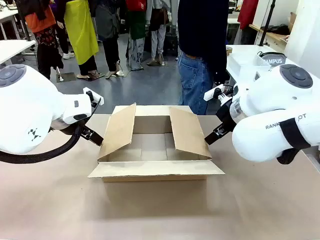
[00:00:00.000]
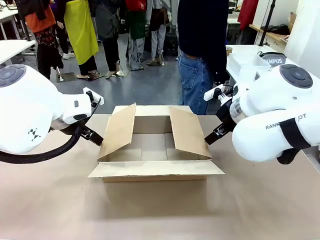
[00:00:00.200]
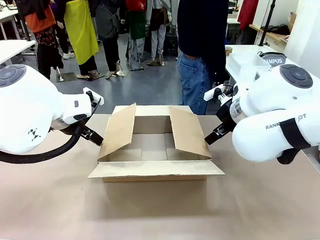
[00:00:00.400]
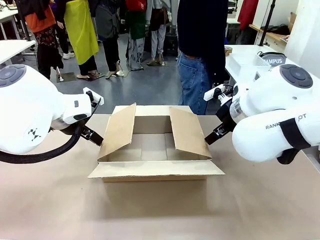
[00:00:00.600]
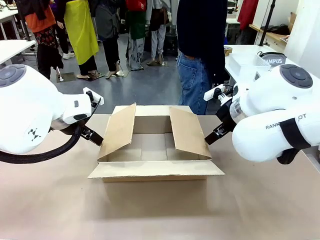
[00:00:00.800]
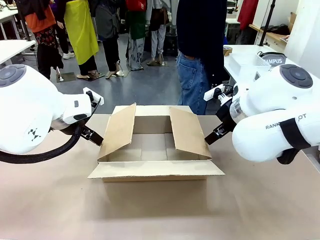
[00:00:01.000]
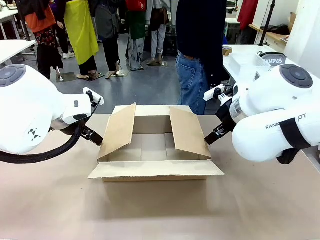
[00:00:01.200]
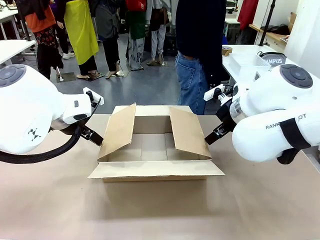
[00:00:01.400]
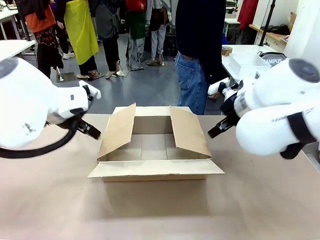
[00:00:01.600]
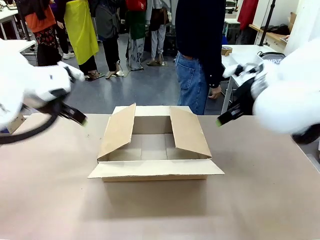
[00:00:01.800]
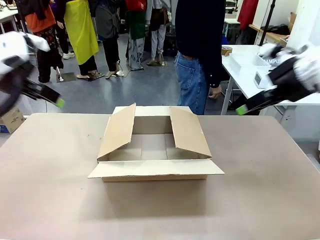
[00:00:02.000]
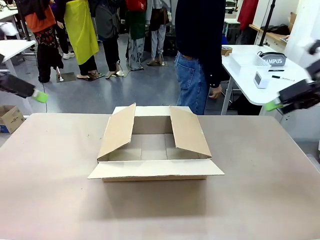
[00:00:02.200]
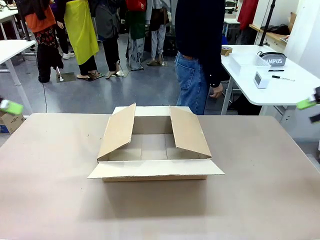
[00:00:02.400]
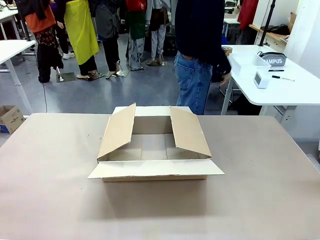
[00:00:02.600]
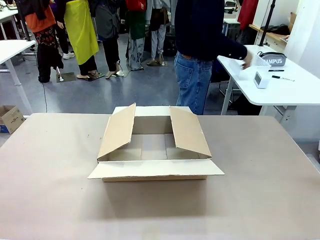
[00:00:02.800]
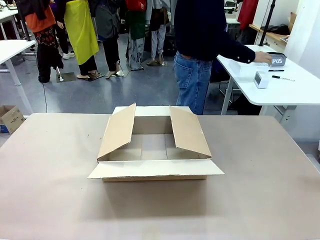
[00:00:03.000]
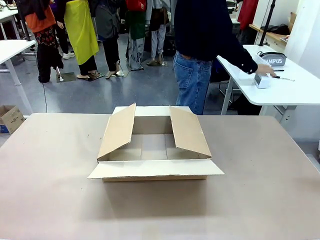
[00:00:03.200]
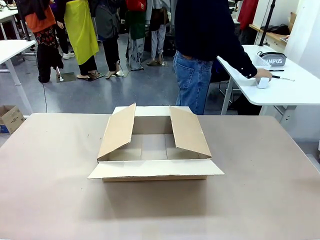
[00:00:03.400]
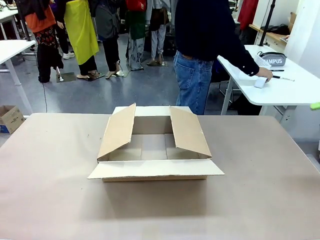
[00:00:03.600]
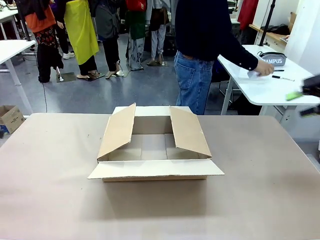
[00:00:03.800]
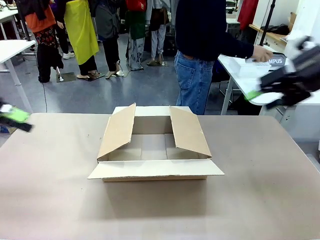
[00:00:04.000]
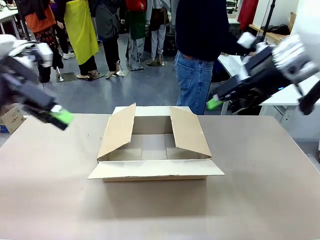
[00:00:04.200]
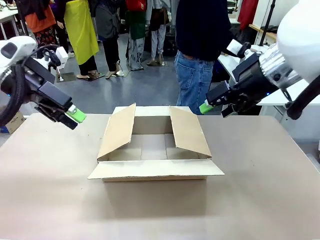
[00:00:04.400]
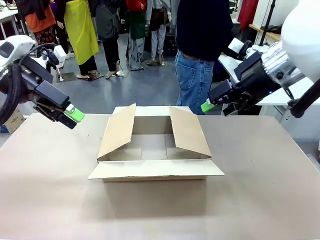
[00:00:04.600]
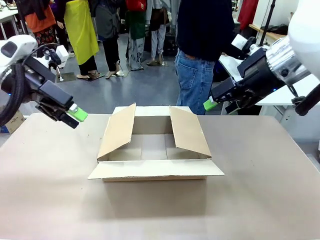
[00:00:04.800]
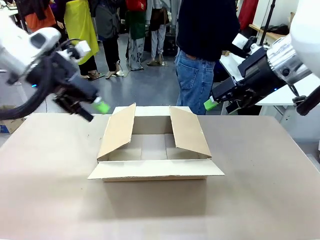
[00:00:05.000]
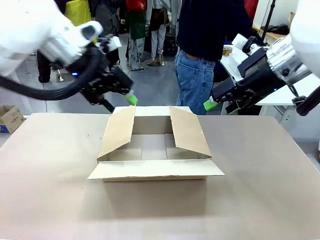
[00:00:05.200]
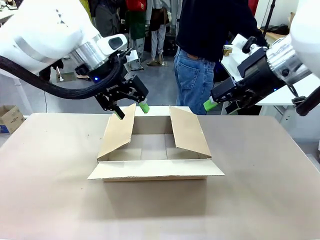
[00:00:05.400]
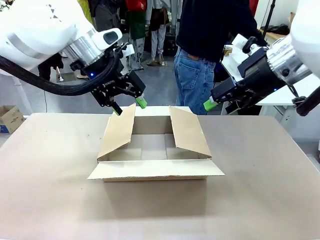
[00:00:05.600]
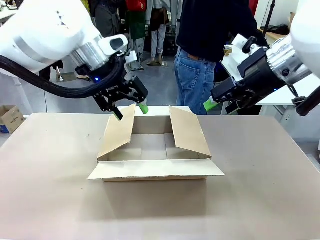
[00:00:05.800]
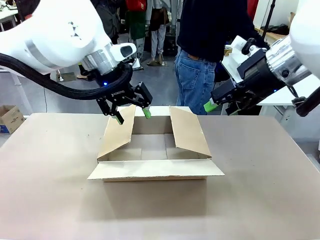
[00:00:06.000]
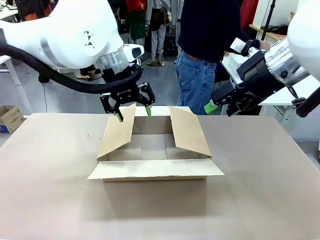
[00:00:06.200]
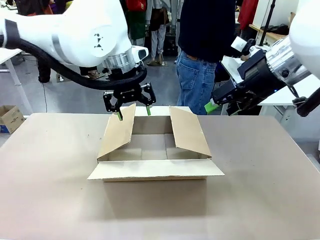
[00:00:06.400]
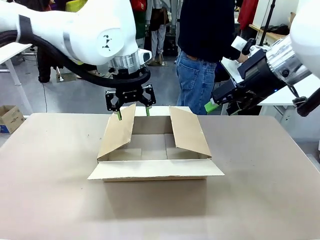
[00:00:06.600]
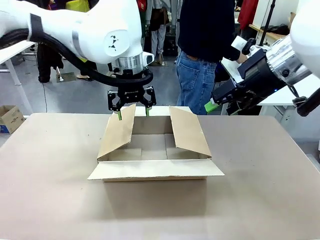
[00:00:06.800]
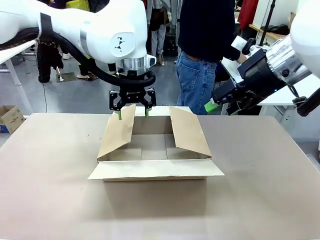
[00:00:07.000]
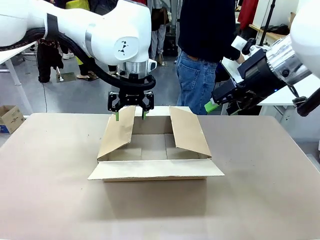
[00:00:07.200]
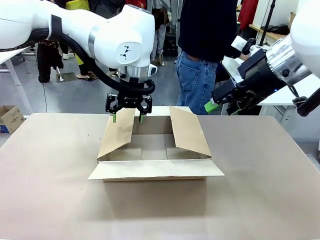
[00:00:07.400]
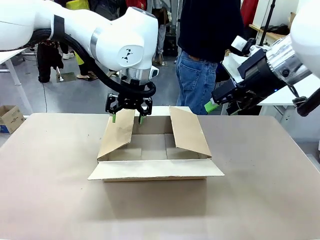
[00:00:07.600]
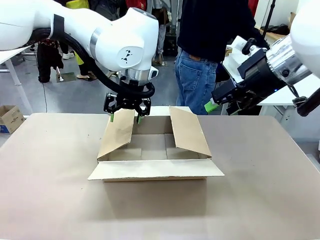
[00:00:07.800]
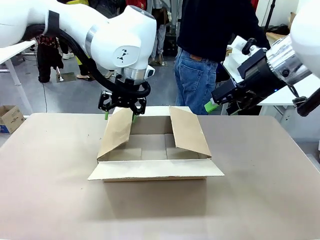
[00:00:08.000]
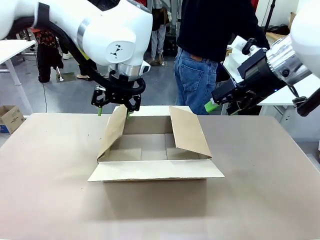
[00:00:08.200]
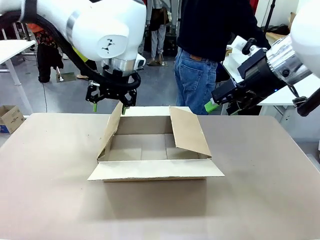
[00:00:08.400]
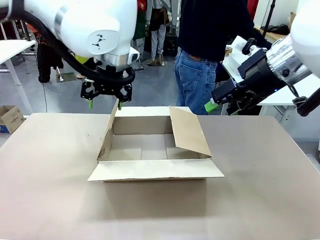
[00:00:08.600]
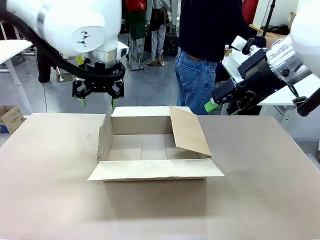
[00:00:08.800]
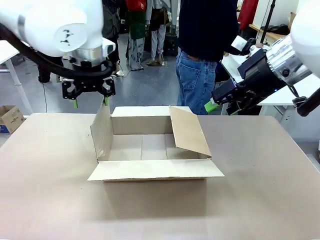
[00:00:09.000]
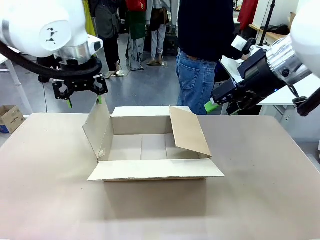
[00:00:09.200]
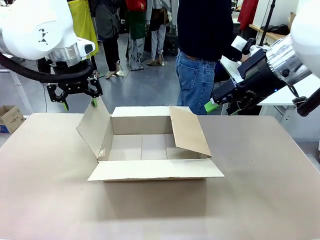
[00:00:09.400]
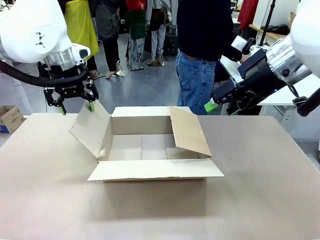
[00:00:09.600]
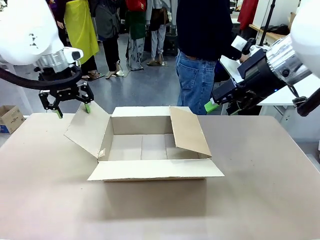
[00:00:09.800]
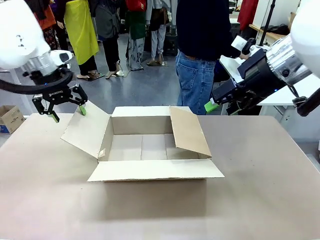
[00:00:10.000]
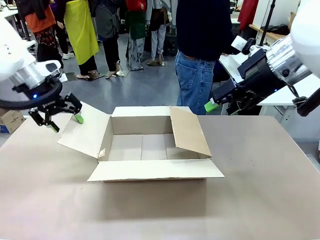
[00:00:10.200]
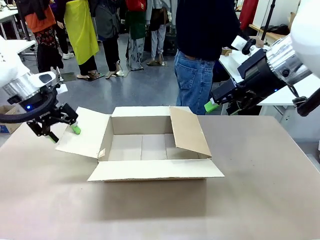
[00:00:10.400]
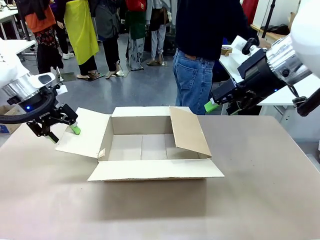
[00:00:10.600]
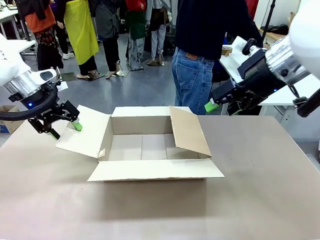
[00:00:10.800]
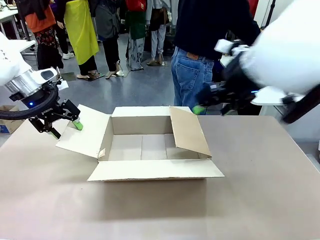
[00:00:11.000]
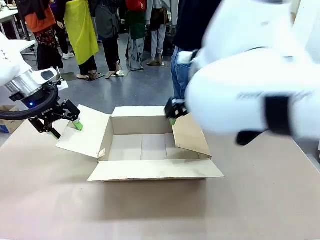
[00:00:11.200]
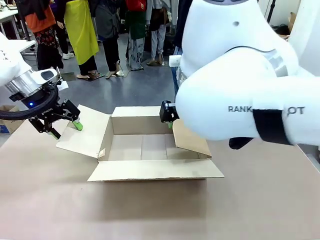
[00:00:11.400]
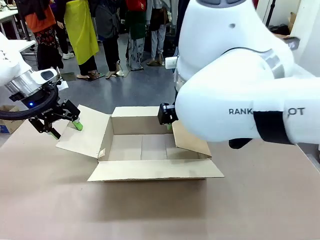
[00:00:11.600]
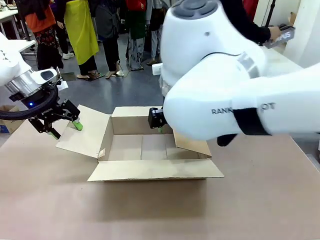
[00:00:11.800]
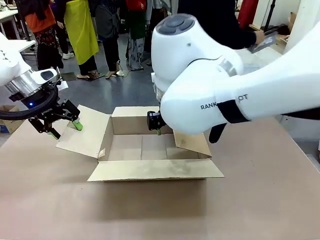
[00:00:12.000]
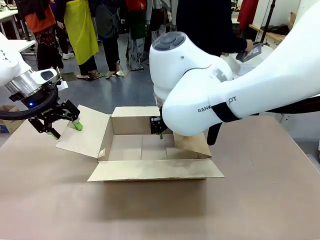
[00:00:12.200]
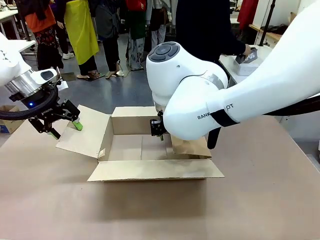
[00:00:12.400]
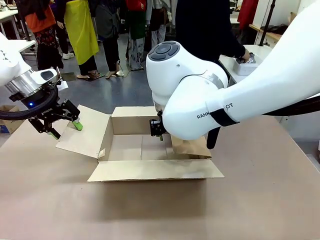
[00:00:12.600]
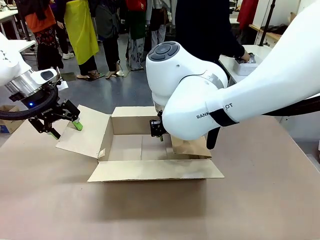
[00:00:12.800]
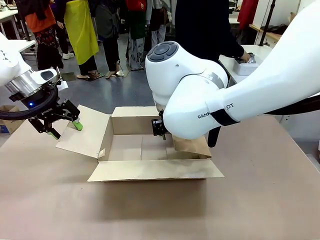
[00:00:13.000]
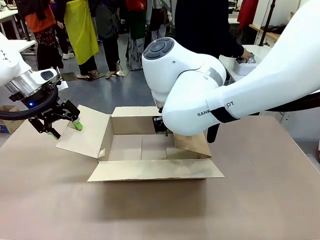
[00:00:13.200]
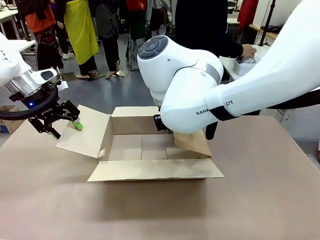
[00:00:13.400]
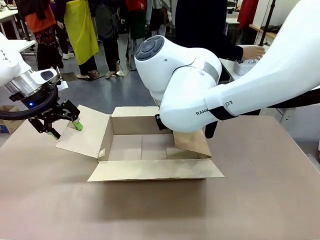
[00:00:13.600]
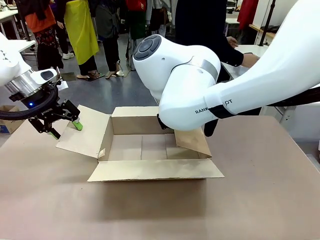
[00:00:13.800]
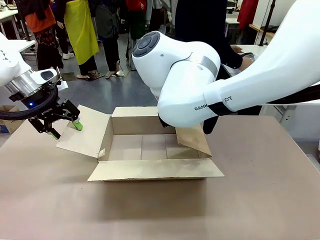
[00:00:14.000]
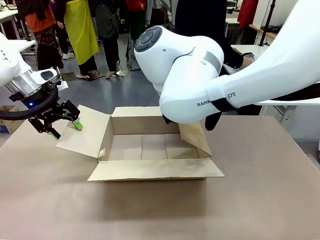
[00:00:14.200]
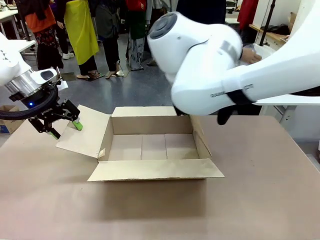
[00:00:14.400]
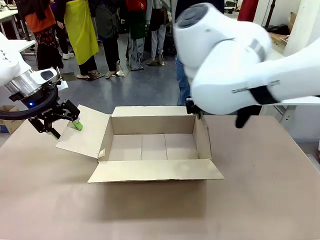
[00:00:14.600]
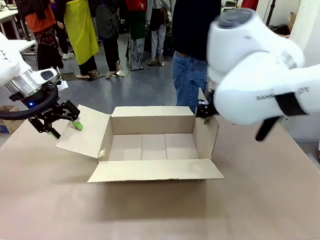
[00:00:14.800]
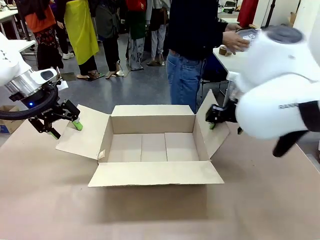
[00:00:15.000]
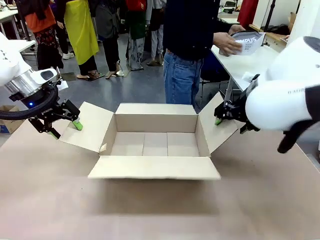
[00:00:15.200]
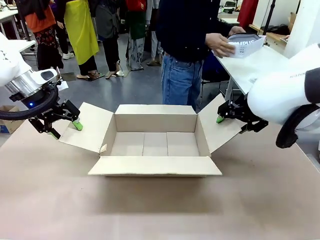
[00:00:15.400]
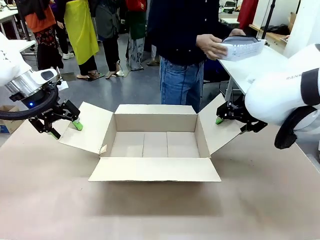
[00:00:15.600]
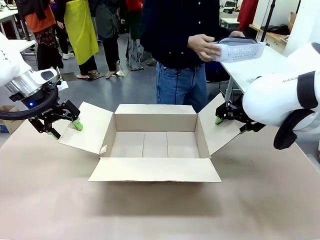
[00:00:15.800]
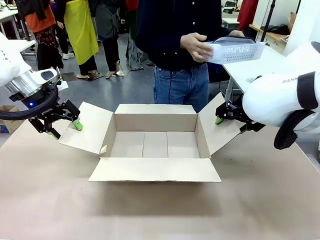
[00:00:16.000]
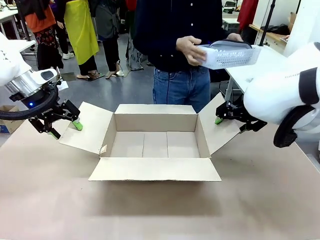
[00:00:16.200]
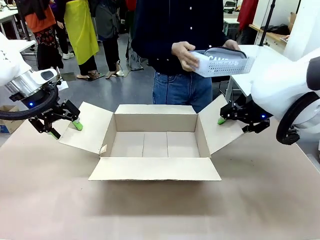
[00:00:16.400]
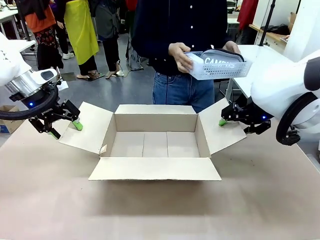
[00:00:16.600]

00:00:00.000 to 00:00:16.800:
Task: Pack the gift set into the box.
Robot: Place both hands on the side flaps of the Package Box and spread them outward.
Person: The human places all items except the paper tape into the organizing basket.

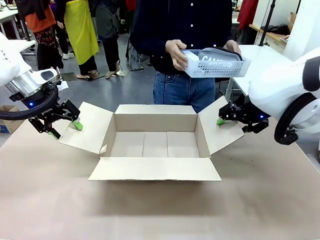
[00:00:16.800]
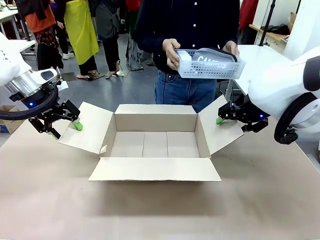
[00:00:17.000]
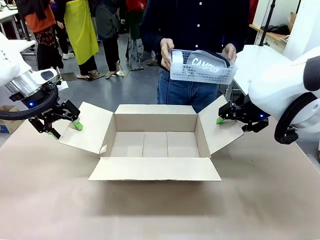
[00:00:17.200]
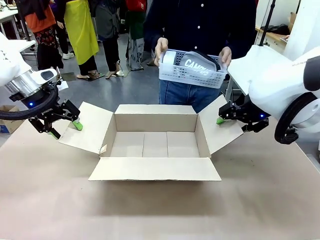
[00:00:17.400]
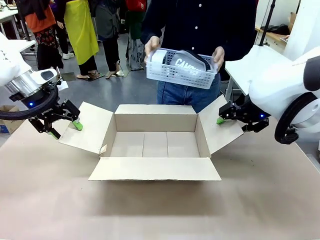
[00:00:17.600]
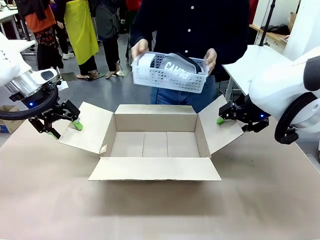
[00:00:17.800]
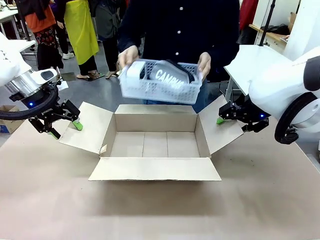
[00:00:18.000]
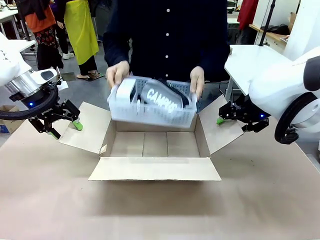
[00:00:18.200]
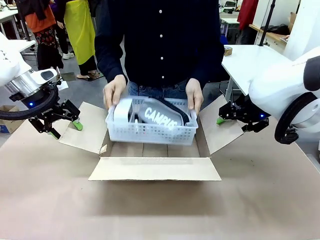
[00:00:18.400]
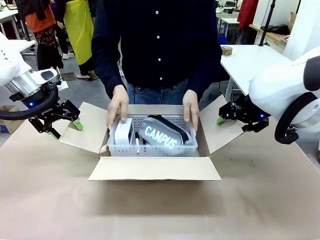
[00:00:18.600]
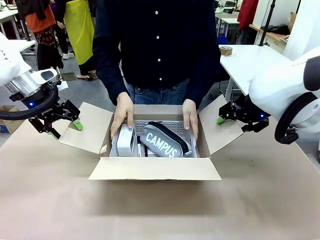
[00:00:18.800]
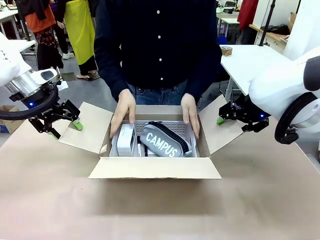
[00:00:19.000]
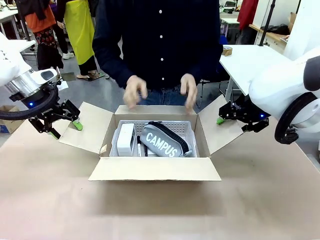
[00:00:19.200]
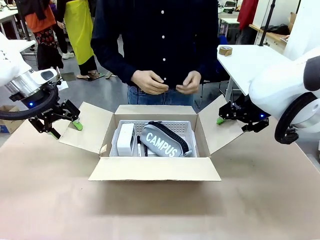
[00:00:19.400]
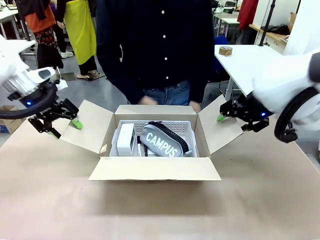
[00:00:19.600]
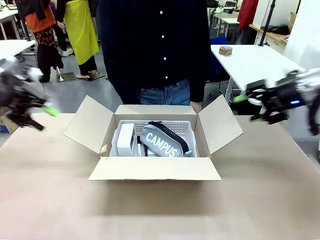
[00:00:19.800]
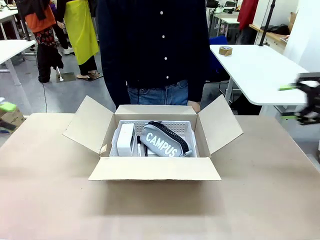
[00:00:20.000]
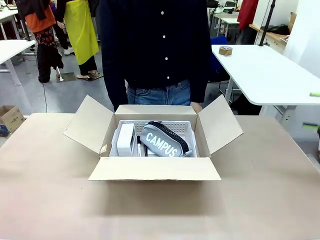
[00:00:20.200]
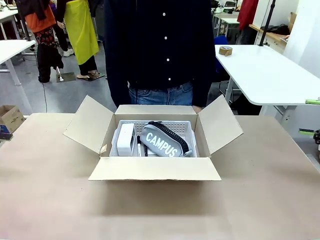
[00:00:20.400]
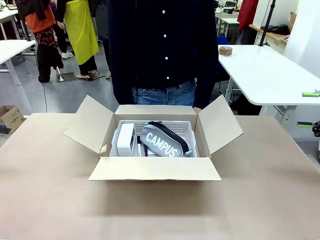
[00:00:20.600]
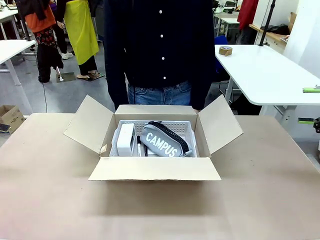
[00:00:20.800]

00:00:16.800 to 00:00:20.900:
Robot: Lift both hands away from the flaps of the Package Box.
Person: The human picks up the organizing basket and places the organizing basket into the package box on the robot table.
